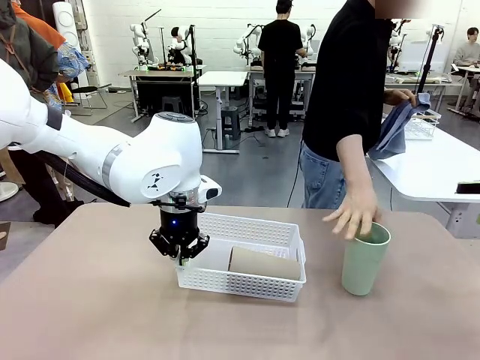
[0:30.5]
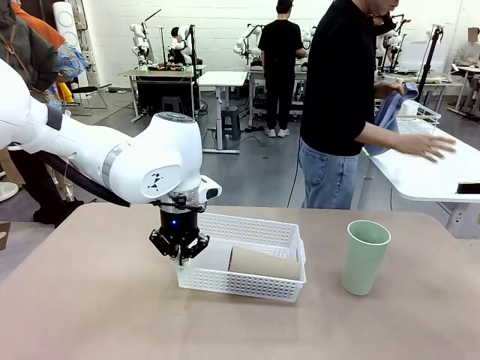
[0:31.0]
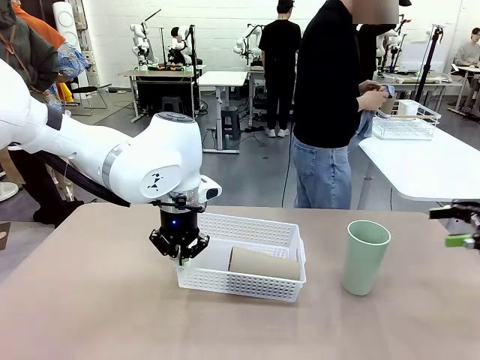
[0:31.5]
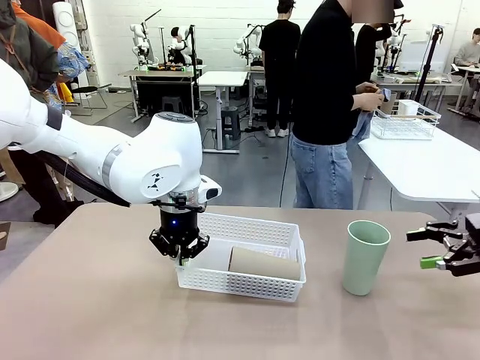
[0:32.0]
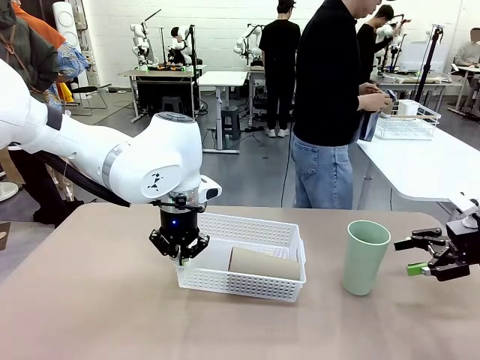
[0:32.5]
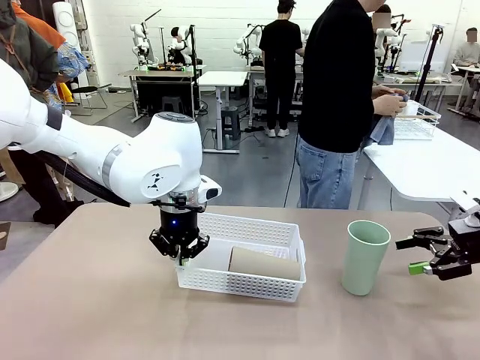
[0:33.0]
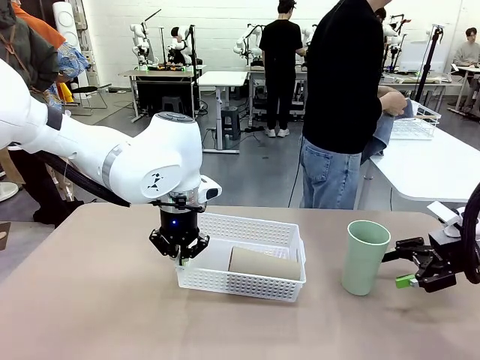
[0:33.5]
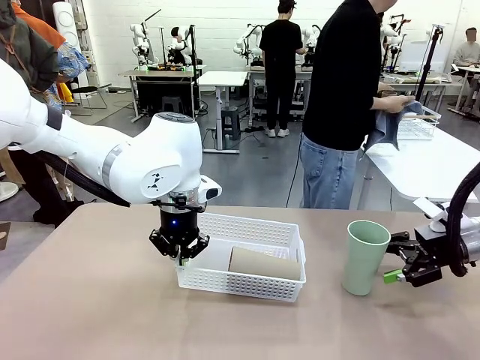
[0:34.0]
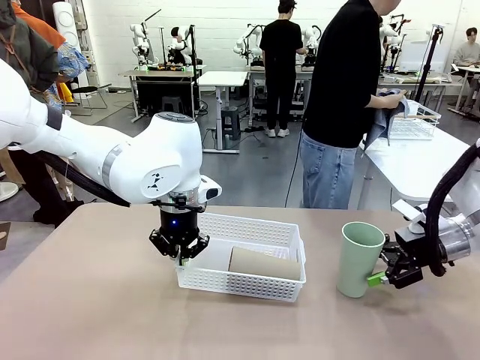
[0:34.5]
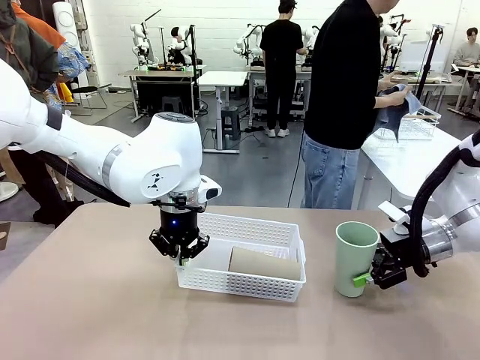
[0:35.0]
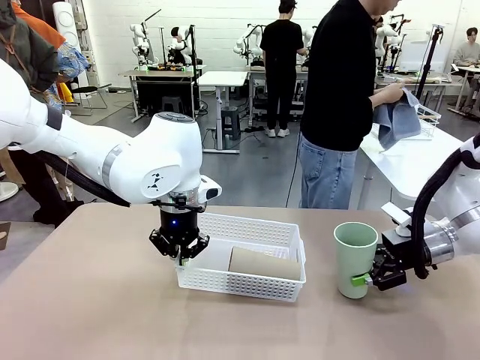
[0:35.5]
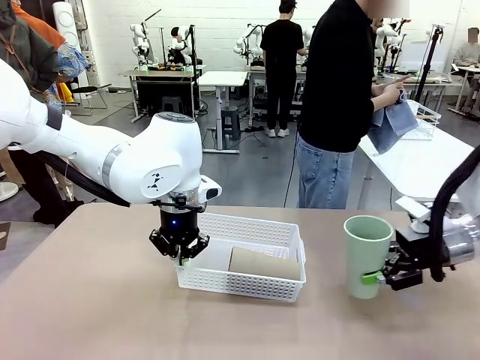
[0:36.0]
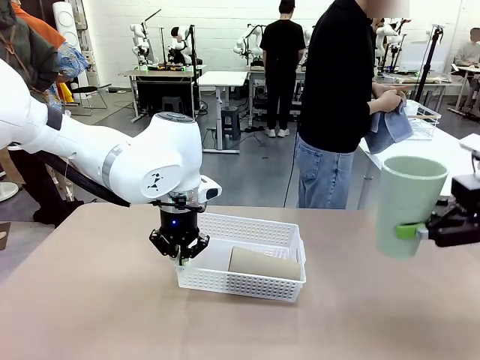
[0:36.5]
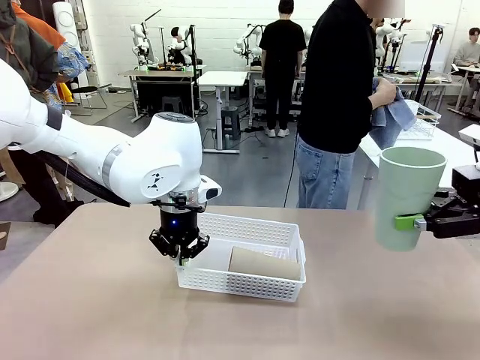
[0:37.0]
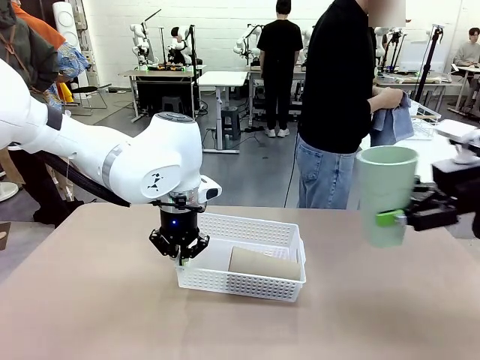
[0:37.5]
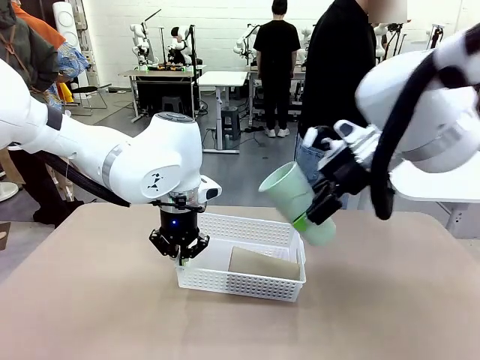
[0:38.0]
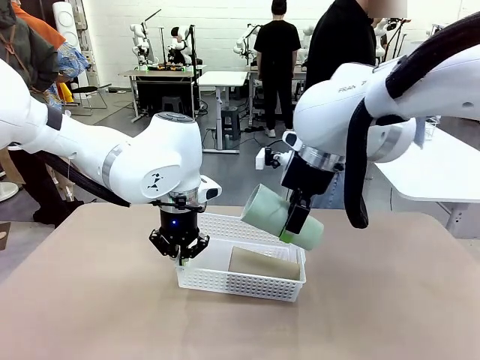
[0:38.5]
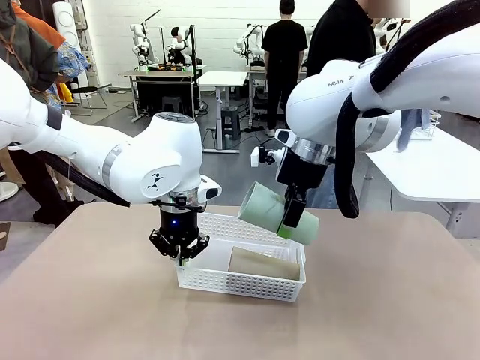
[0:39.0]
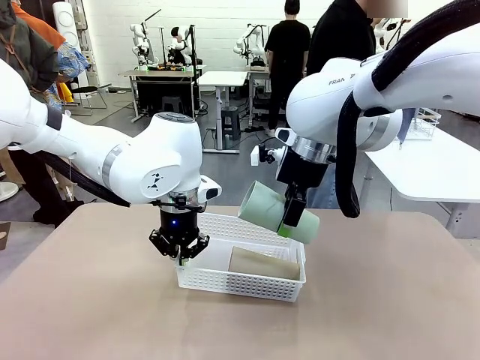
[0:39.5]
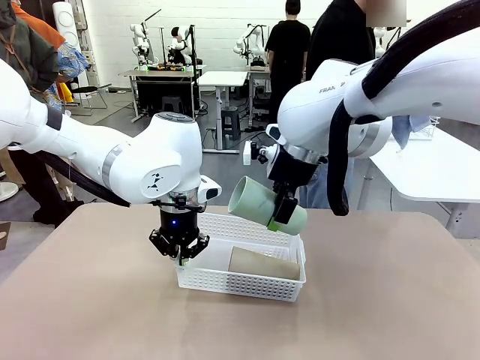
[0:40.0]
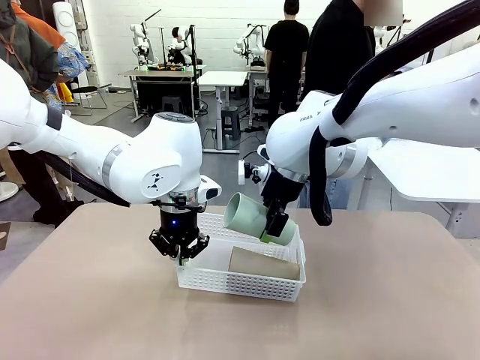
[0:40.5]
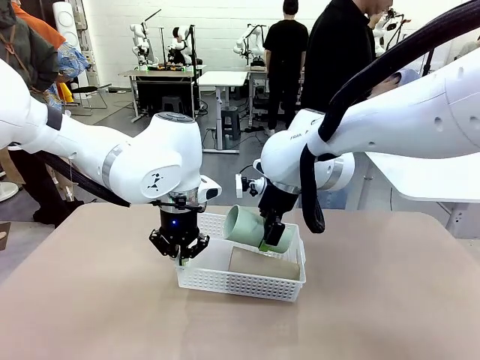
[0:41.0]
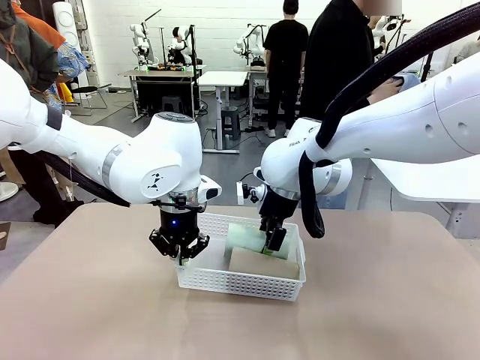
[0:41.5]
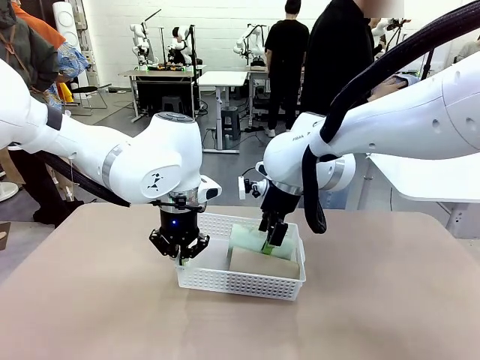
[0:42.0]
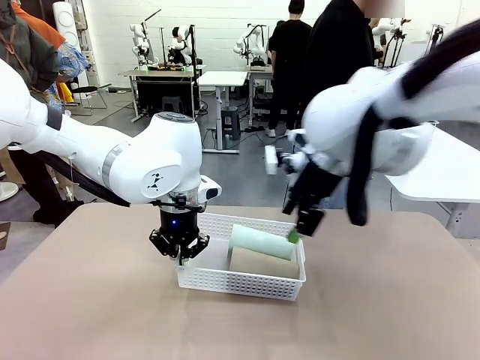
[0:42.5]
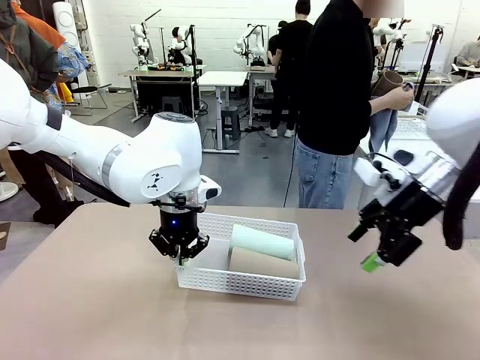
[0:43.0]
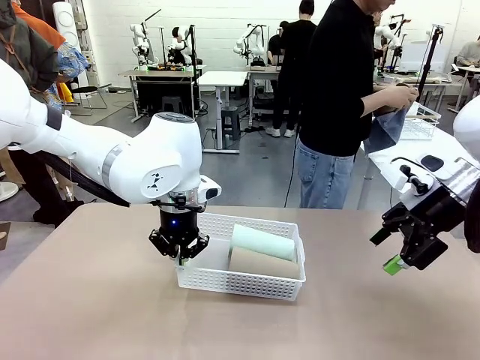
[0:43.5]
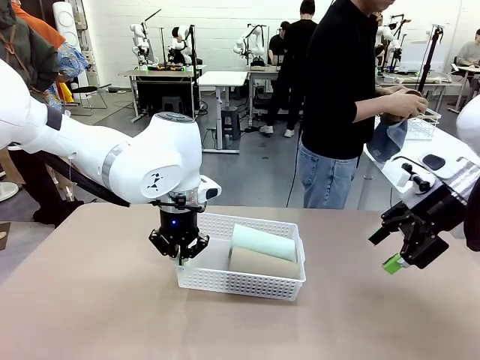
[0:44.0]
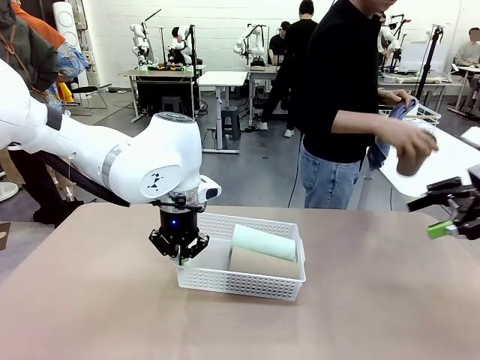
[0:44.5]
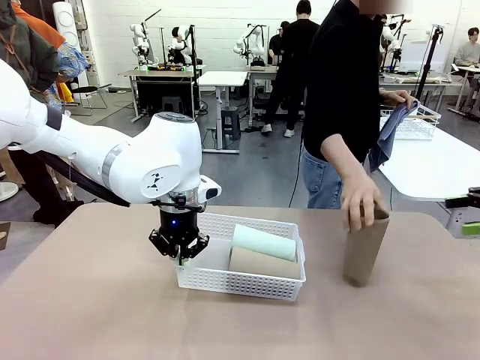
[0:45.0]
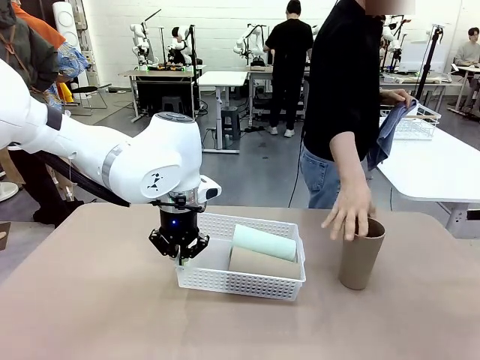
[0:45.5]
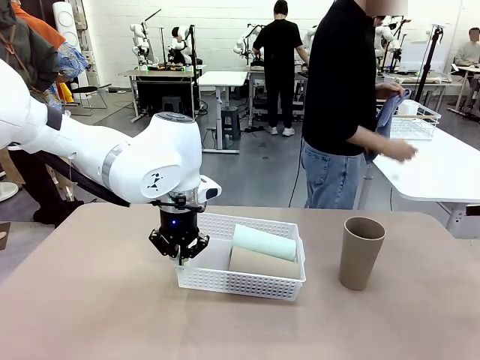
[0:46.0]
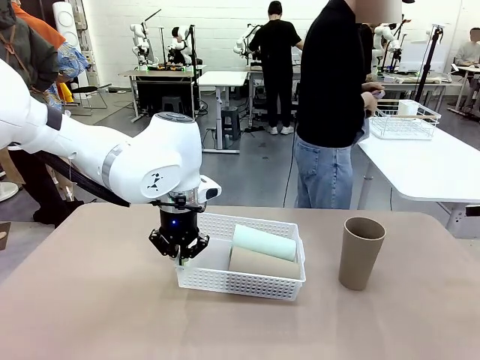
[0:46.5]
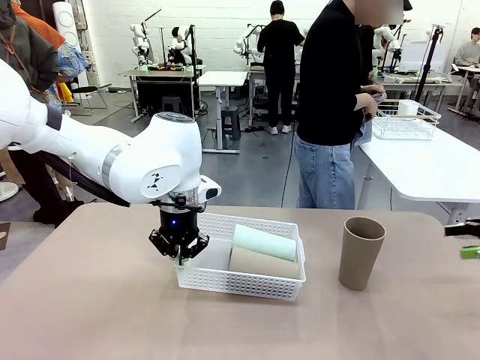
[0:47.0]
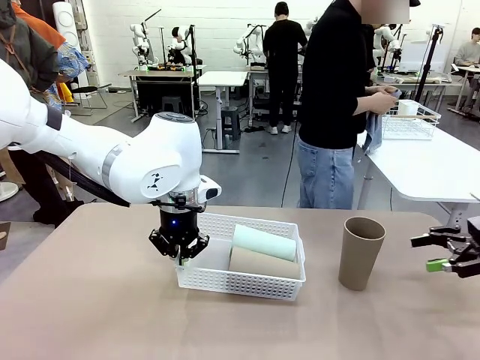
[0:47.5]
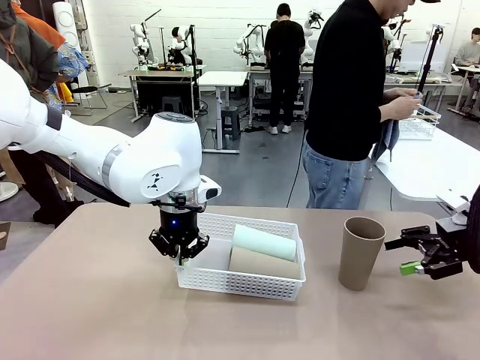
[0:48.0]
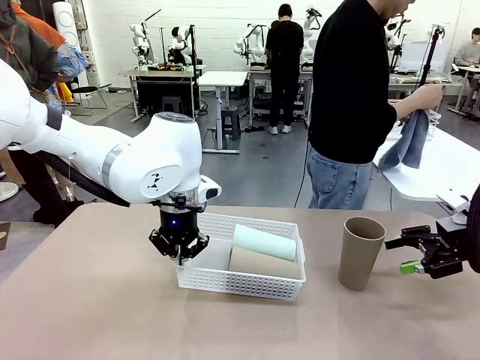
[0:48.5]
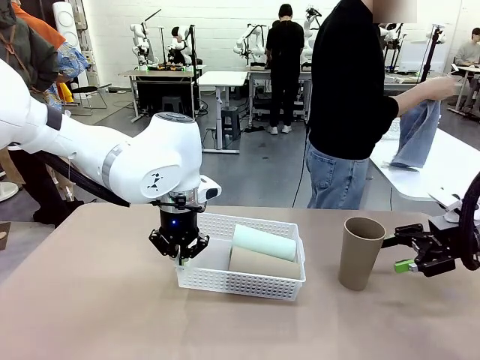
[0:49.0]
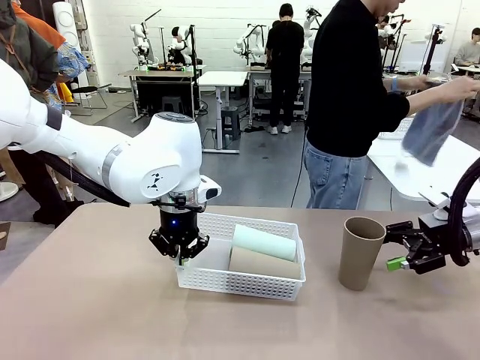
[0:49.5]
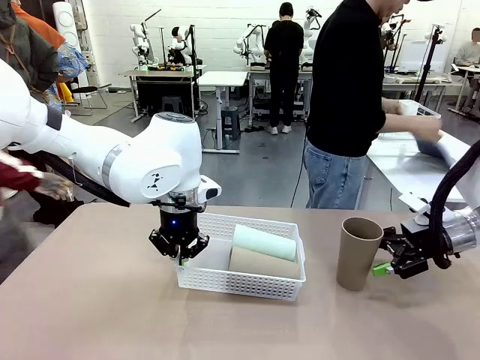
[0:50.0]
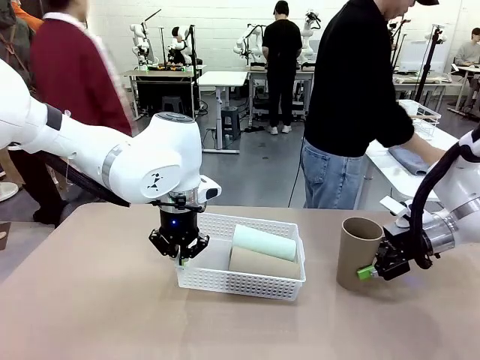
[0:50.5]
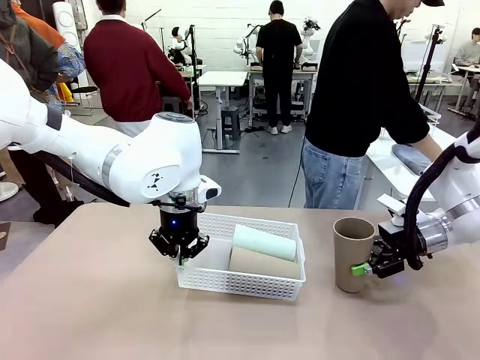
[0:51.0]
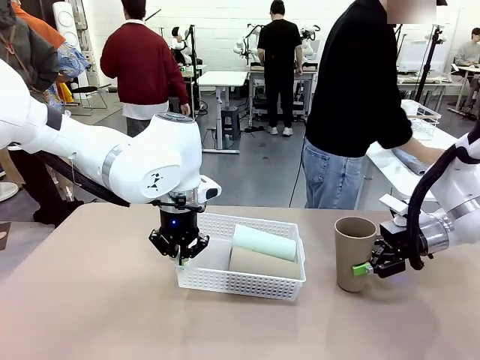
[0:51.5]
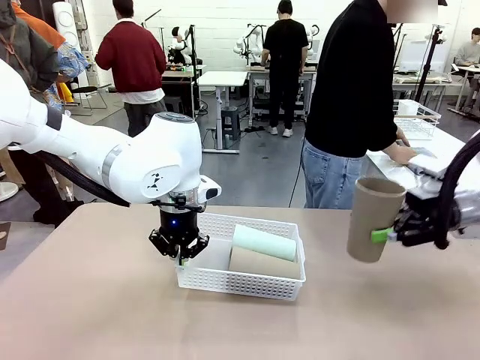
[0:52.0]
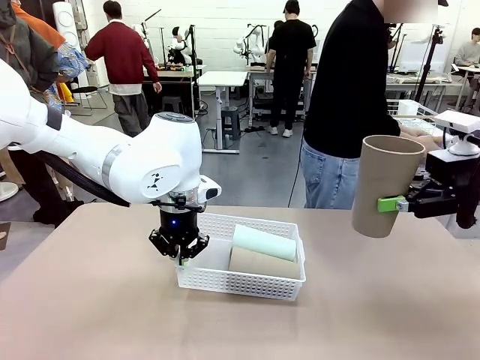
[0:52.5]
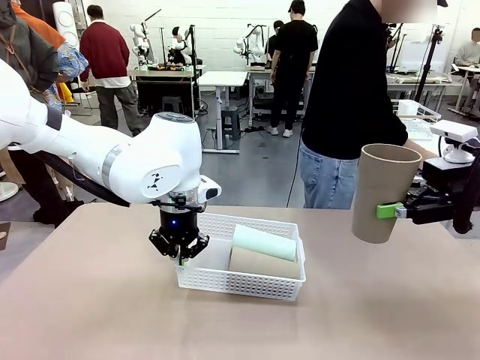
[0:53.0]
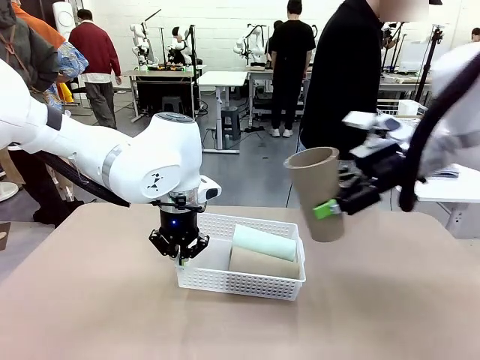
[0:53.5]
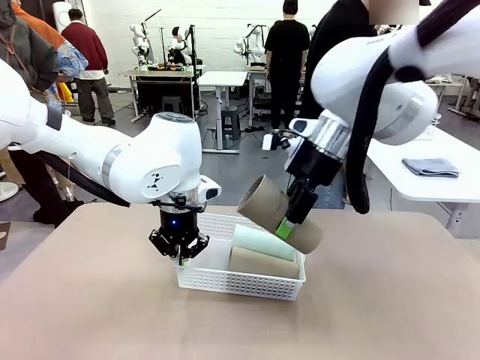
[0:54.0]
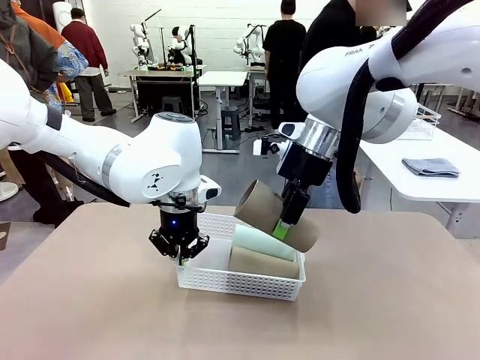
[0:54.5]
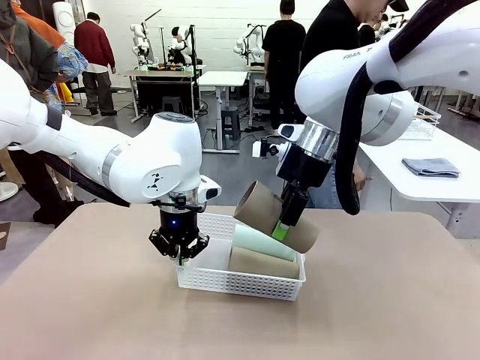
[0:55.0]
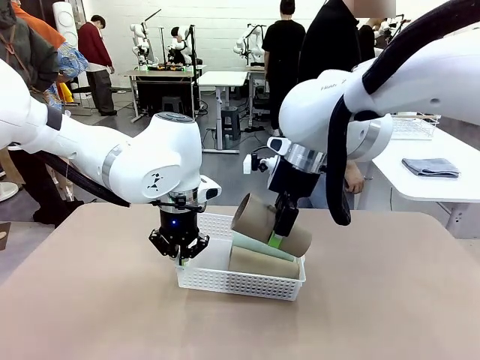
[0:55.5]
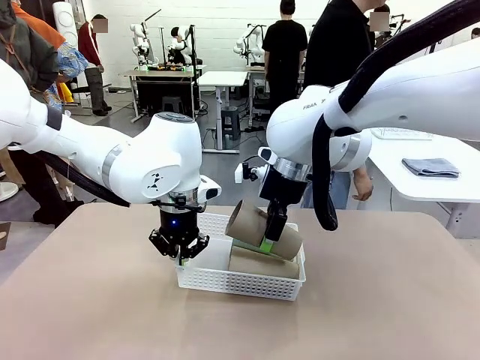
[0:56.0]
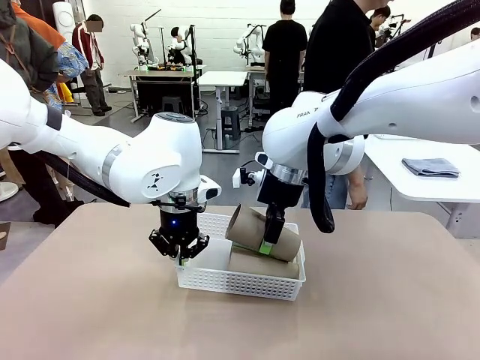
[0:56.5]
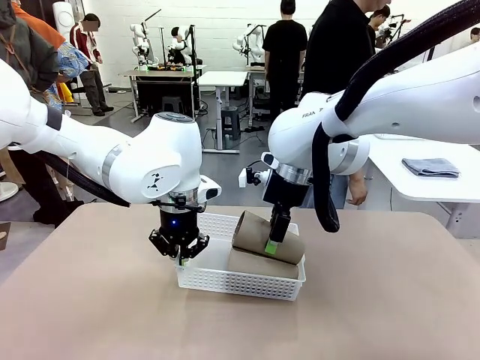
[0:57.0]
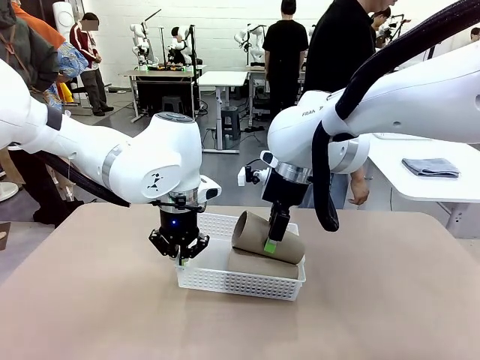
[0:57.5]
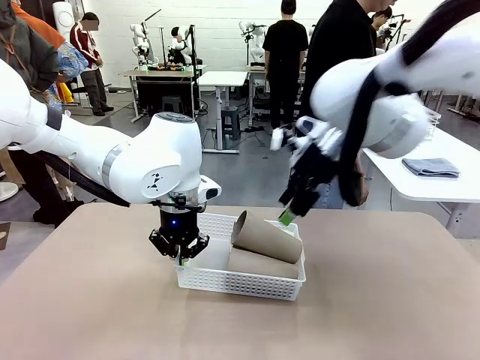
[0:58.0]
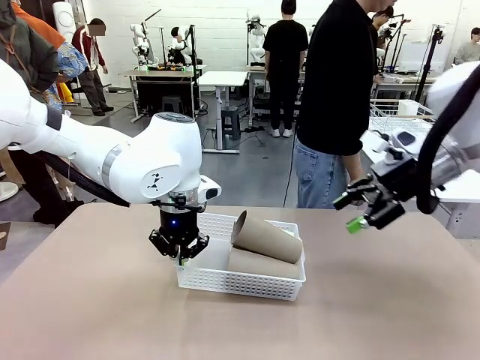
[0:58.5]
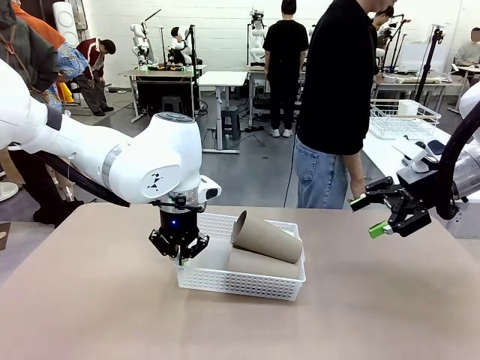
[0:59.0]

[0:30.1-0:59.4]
Task: Clean and organize the cups into the basket.
Robot: Pick up the Reusable plastic cup from the right side of the table and stack it inside the Organizing basket in the center of the table.
